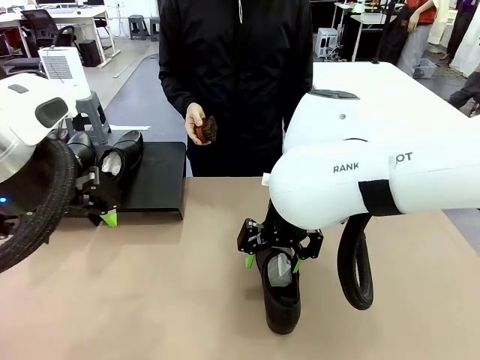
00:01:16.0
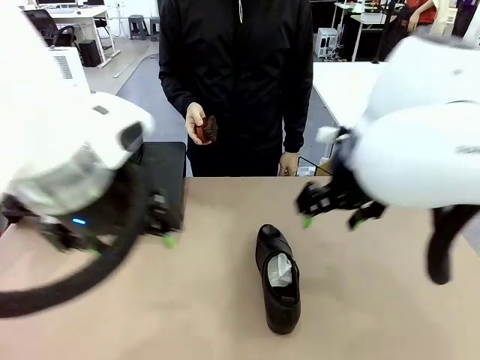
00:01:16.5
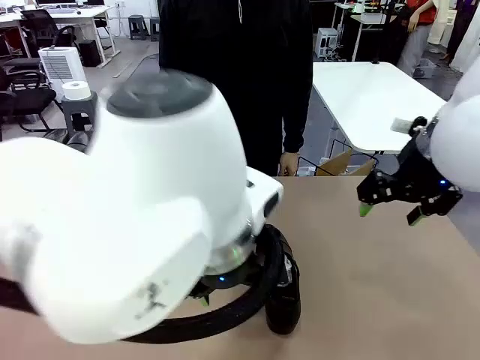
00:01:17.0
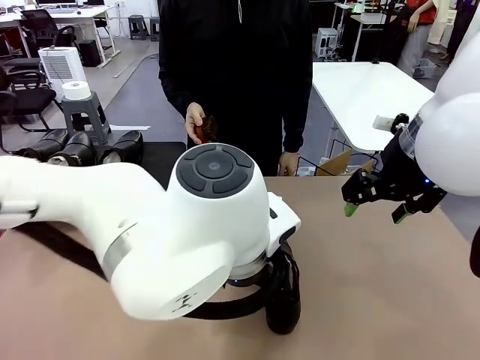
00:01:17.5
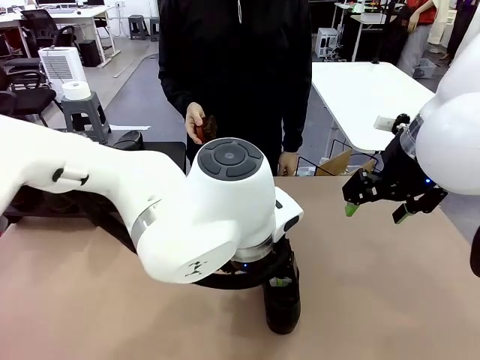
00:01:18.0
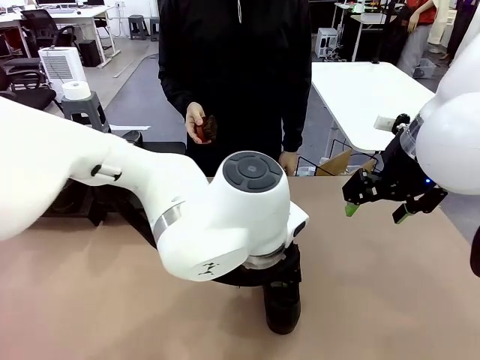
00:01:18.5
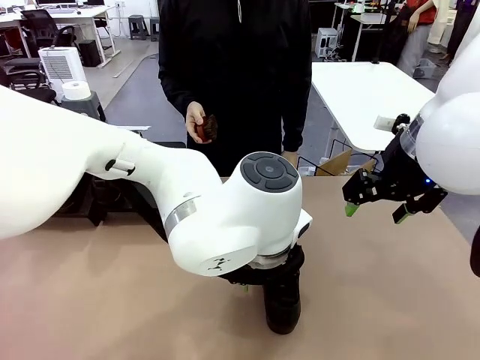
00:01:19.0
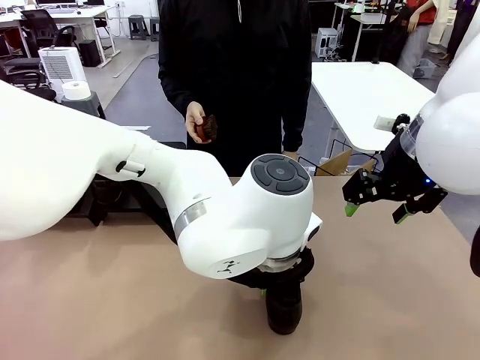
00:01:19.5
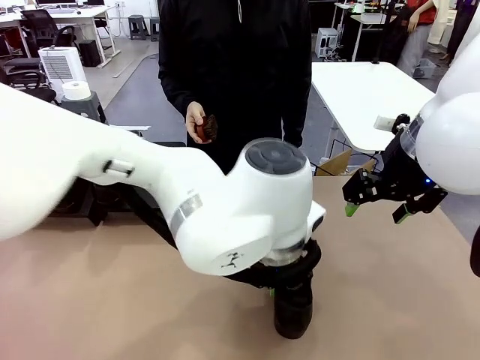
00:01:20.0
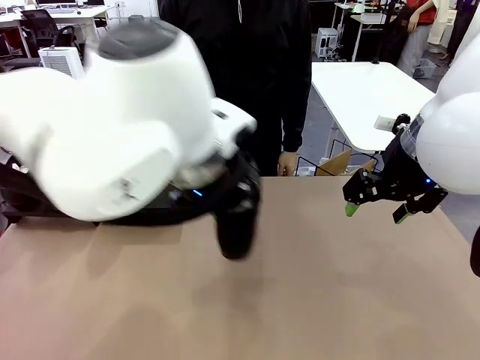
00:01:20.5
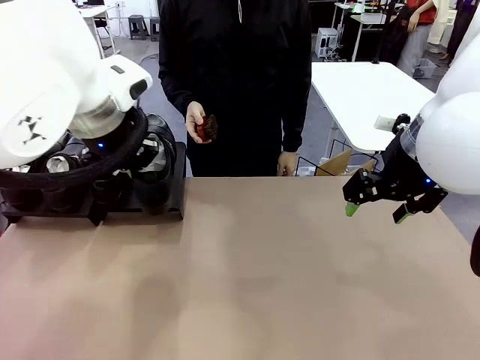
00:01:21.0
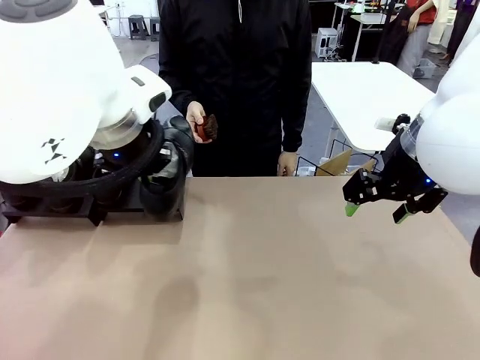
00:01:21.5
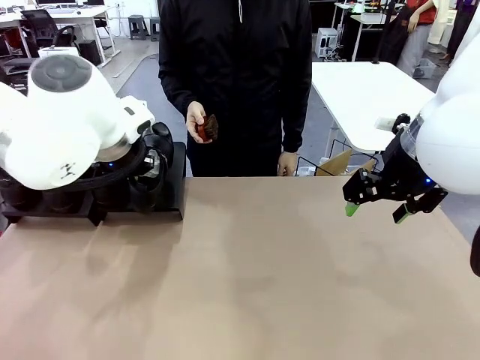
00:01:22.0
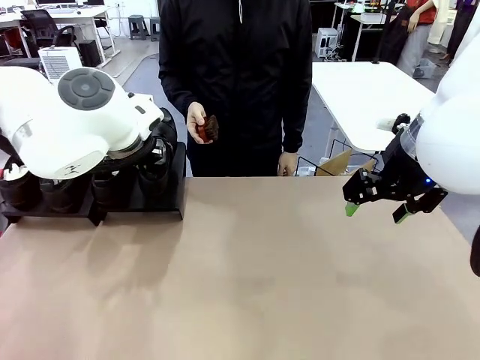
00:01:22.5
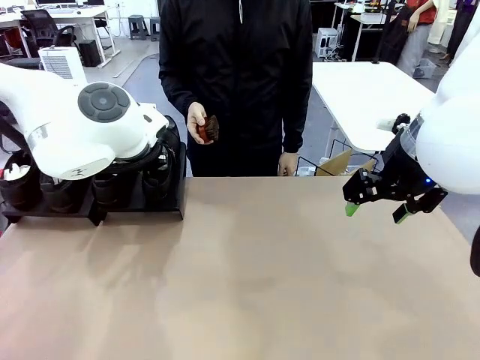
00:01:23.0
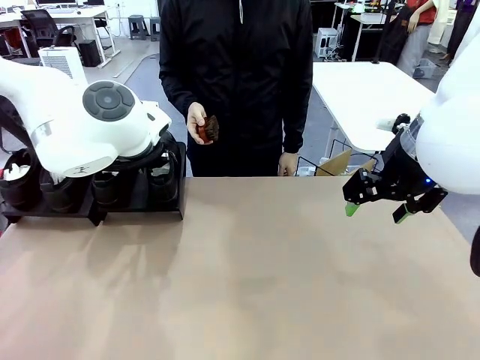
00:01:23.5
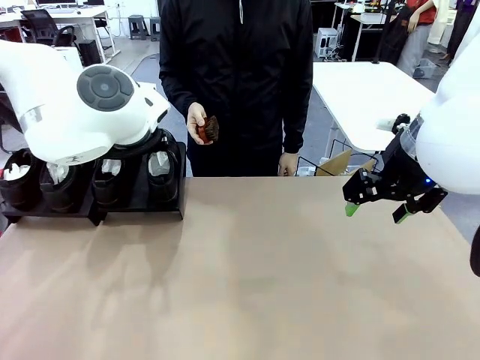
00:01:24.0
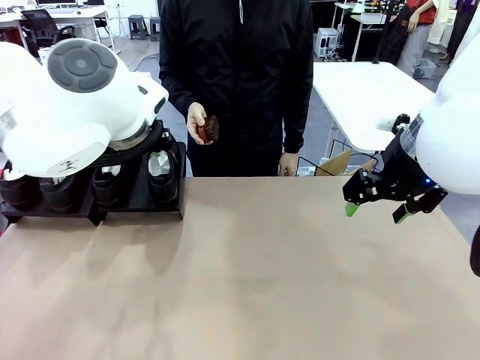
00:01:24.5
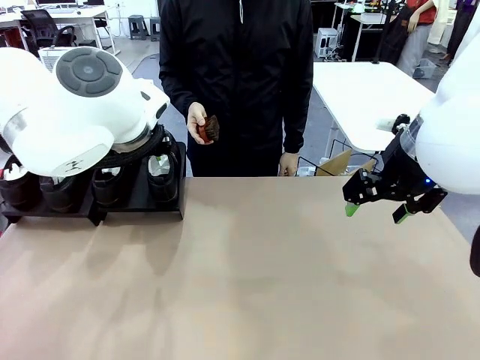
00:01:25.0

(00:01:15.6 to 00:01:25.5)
Task: Organize the shoes by placing them on the stand.
Robot: Place the Shoe from the middle of the table onto the Shoes Stand.

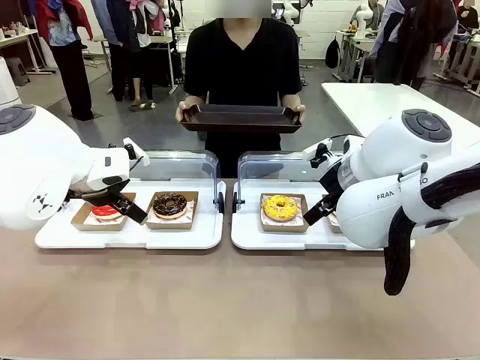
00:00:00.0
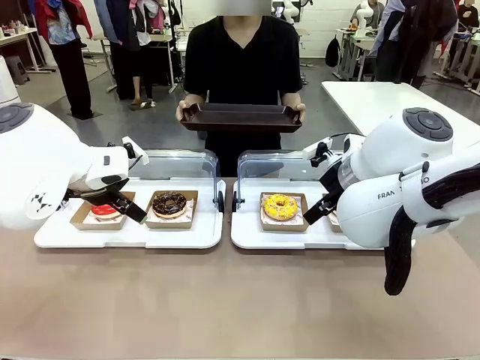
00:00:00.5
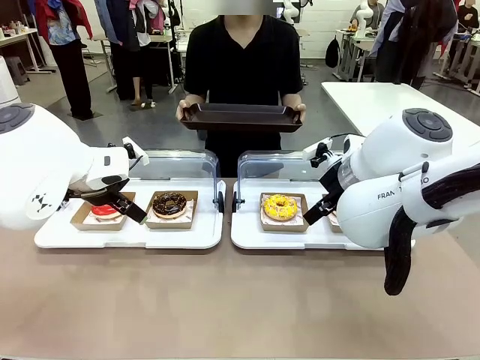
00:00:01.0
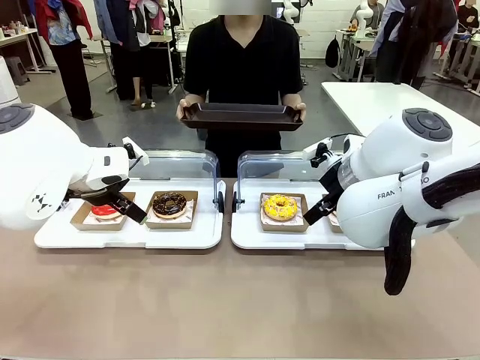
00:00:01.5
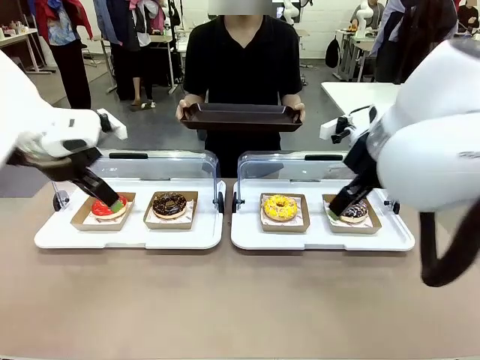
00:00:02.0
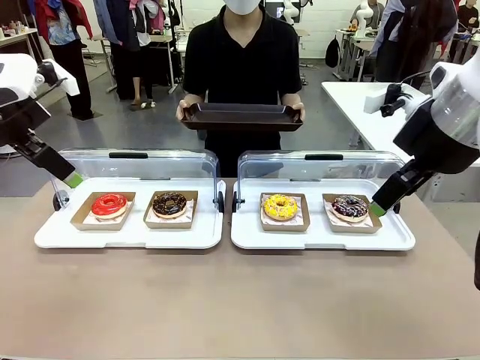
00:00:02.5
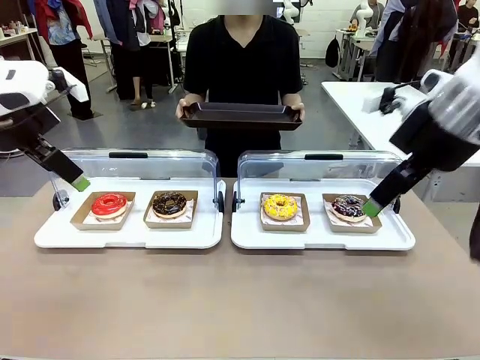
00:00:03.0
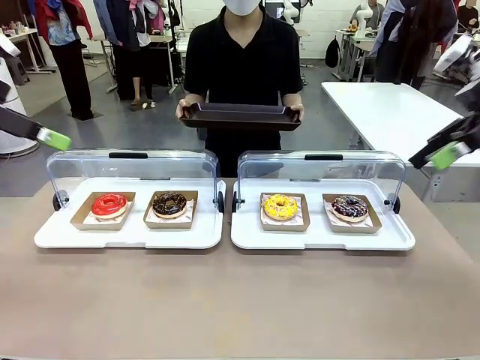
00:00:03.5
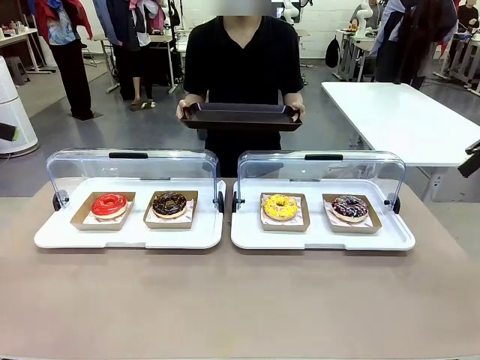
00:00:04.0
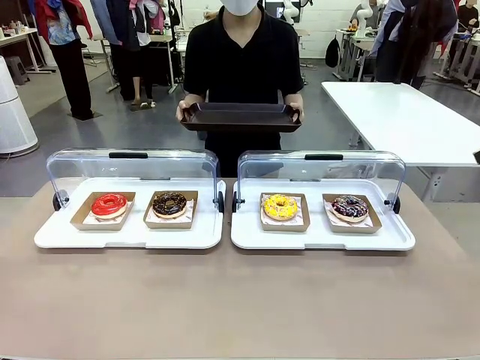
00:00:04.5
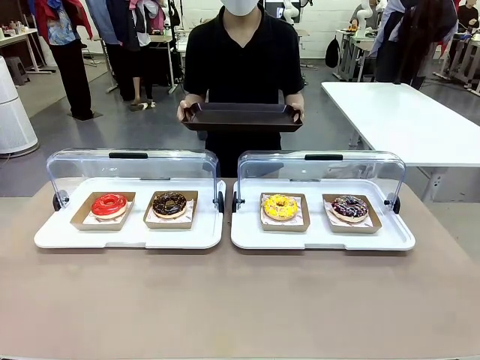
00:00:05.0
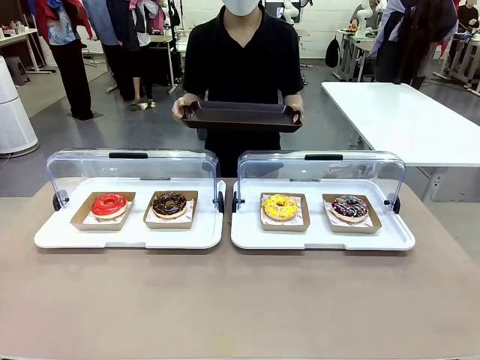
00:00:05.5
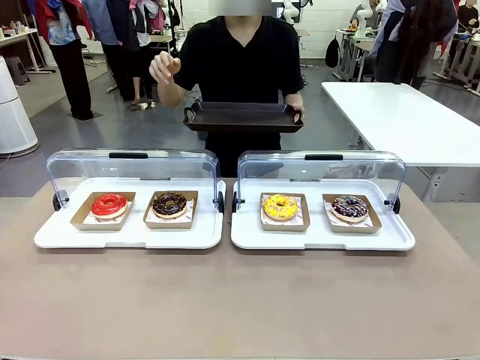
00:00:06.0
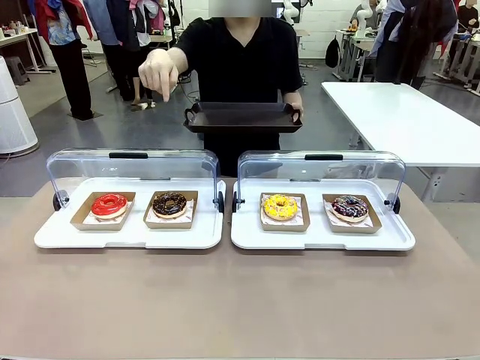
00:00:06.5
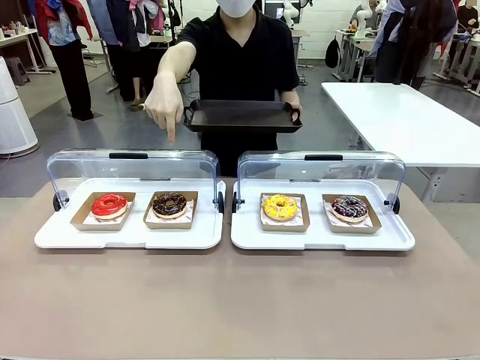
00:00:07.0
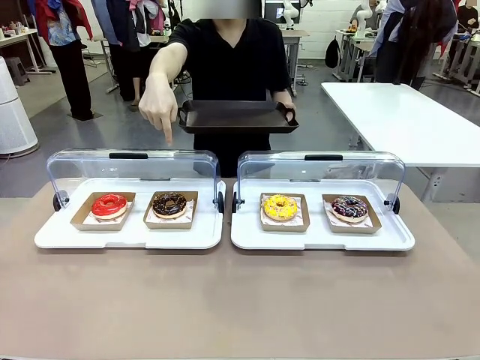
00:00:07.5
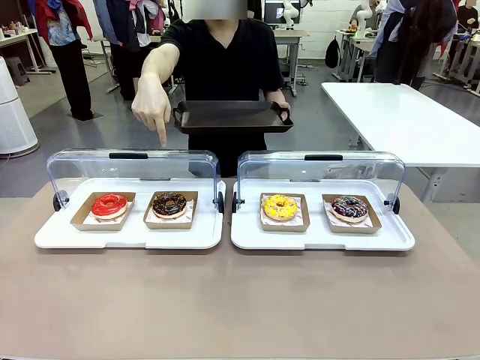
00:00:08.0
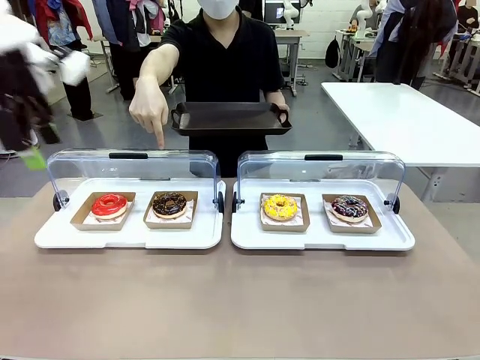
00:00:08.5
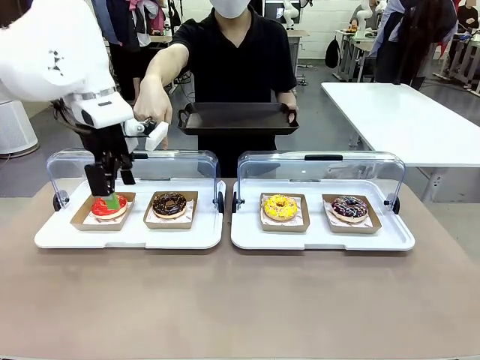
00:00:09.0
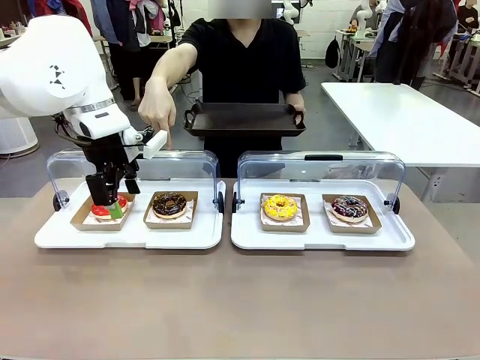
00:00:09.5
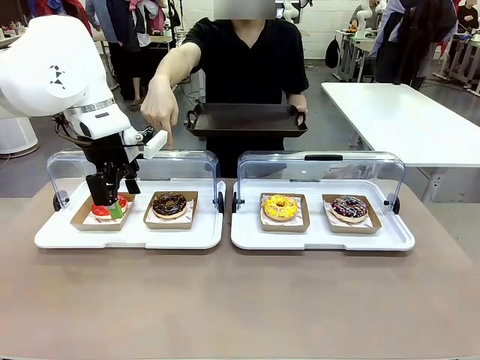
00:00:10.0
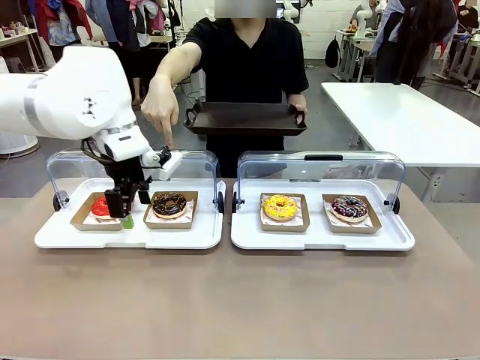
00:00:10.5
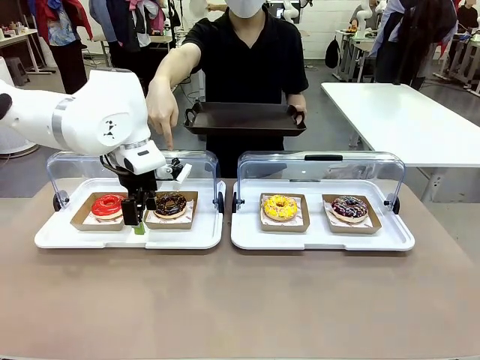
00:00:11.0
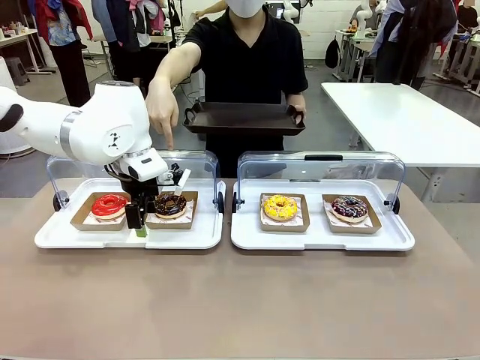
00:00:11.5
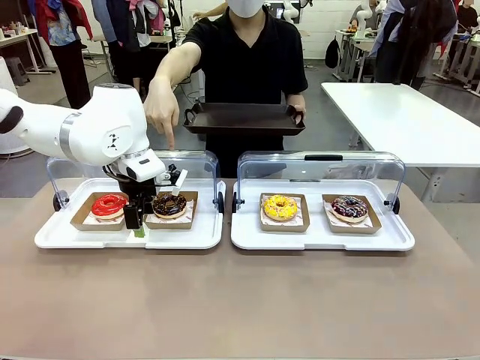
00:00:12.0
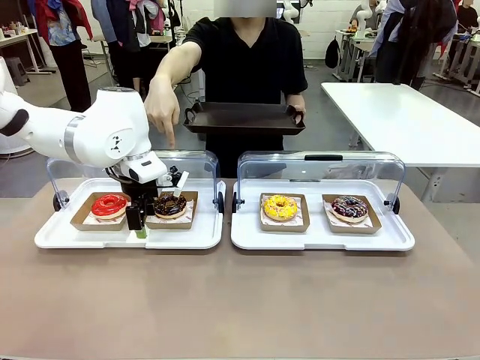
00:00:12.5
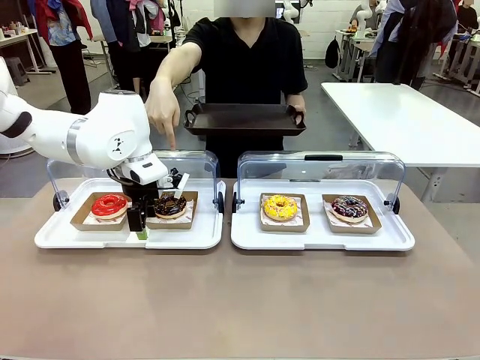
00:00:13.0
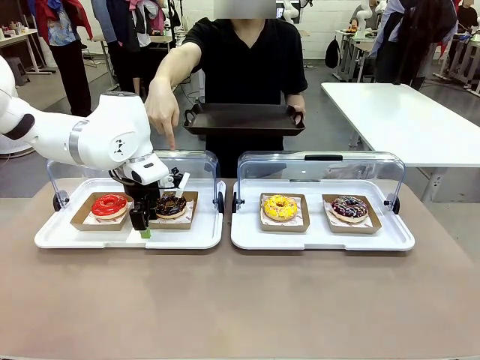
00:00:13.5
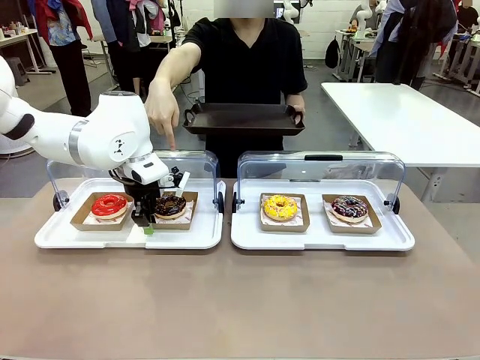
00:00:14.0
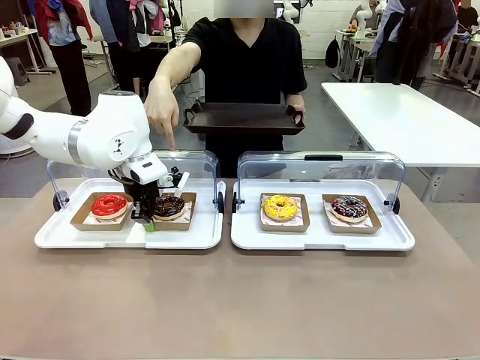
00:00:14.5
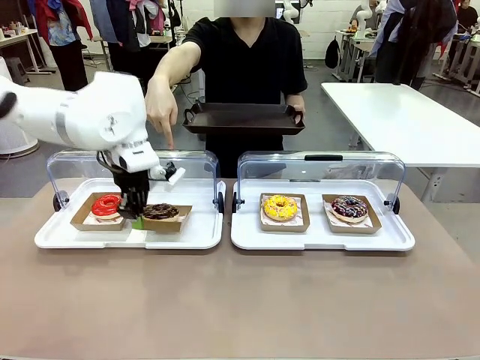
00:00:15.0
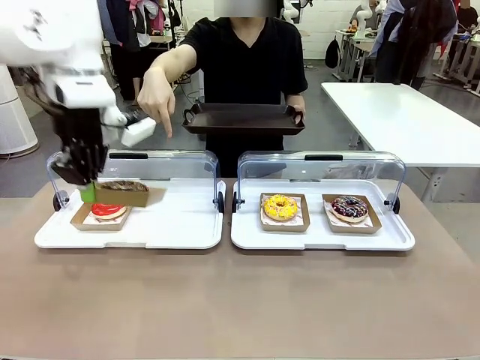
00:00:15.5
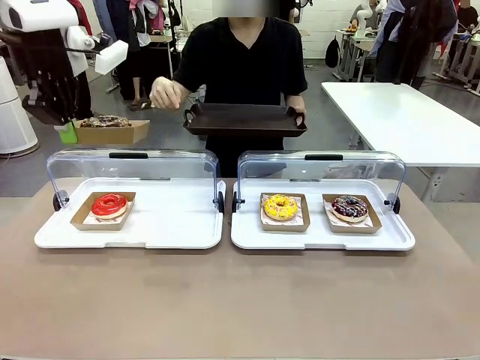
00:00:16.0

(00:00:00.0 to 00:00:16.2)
Task: Provide the desired donut to the person.
Robot: Pick up and lift the Paper togo box containing the Donut pointed at by the person.
Person: Point to one donut. Lift the tray onto the Roll-Top Bakery Case.
